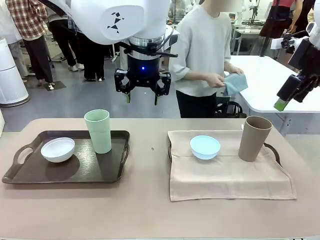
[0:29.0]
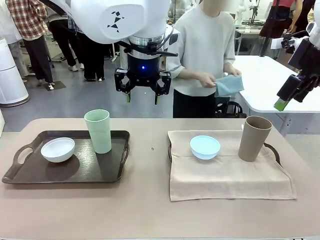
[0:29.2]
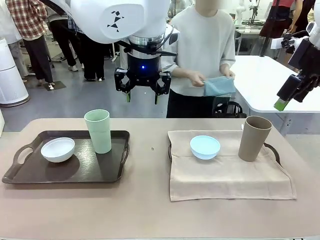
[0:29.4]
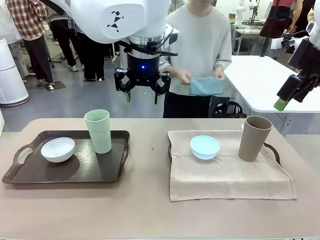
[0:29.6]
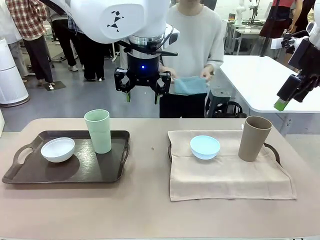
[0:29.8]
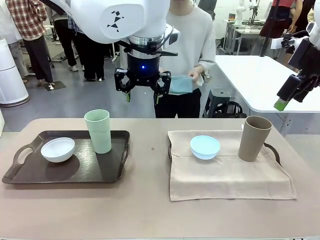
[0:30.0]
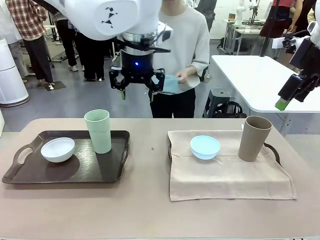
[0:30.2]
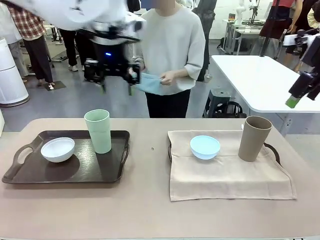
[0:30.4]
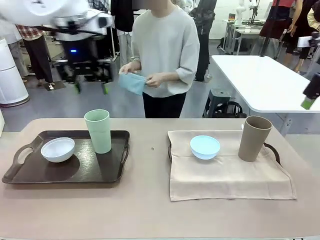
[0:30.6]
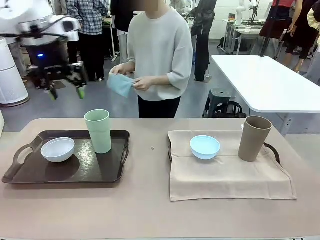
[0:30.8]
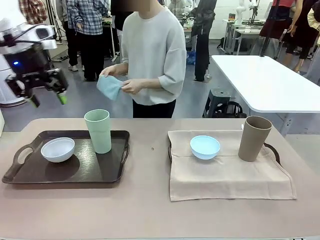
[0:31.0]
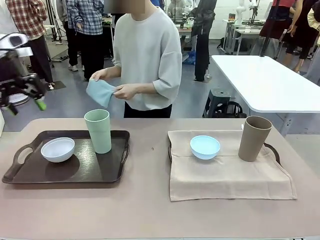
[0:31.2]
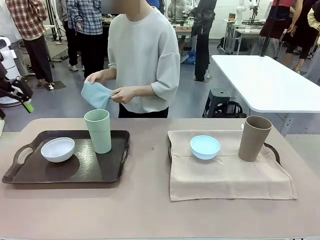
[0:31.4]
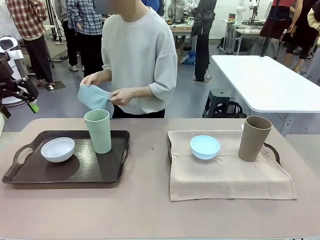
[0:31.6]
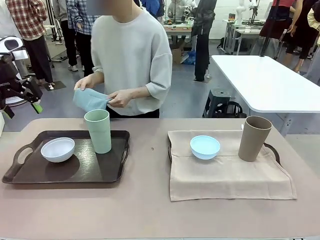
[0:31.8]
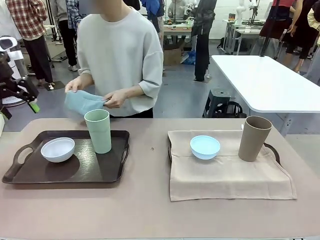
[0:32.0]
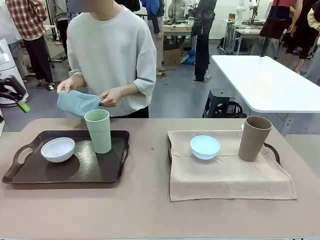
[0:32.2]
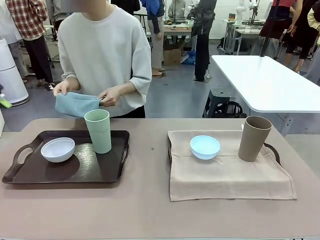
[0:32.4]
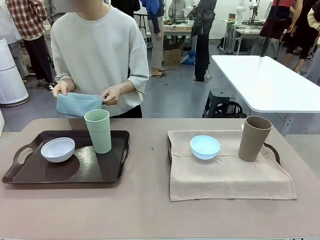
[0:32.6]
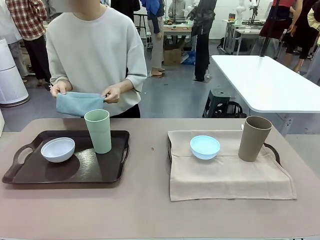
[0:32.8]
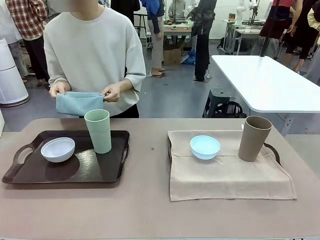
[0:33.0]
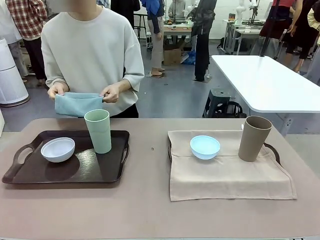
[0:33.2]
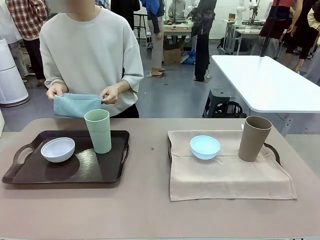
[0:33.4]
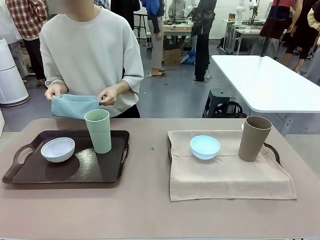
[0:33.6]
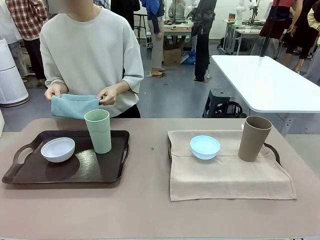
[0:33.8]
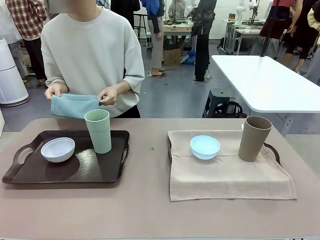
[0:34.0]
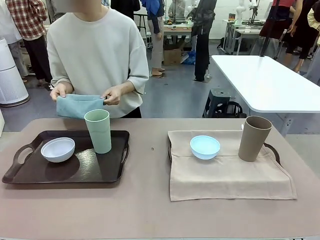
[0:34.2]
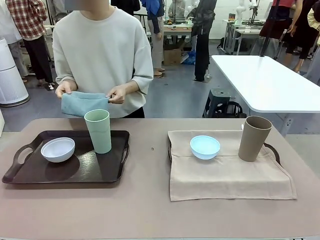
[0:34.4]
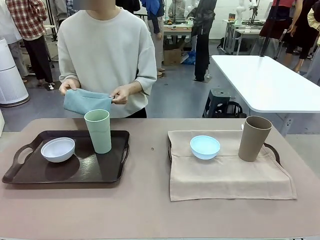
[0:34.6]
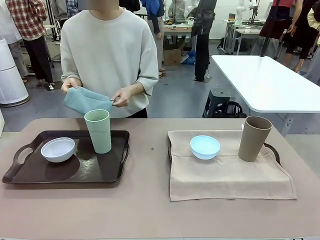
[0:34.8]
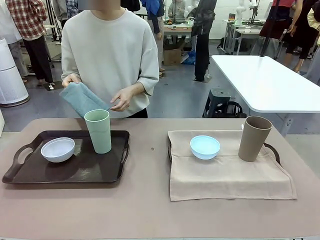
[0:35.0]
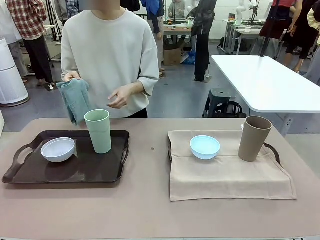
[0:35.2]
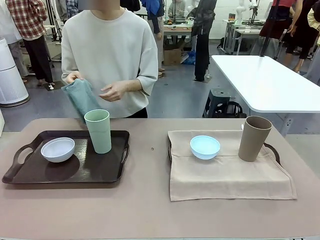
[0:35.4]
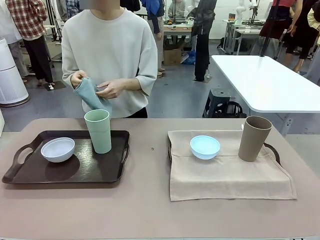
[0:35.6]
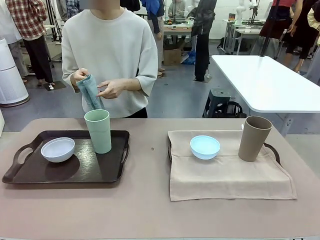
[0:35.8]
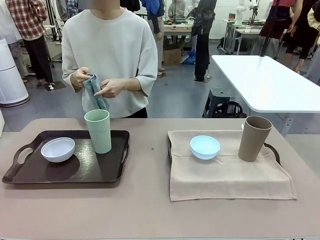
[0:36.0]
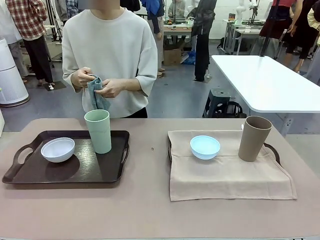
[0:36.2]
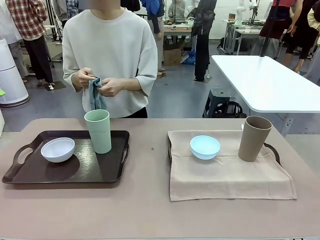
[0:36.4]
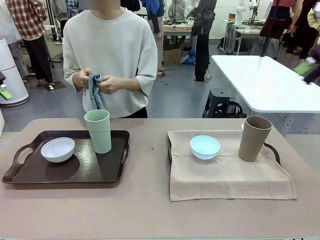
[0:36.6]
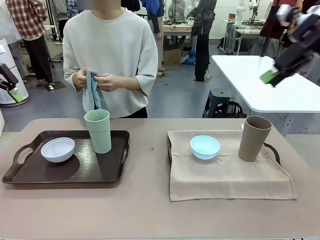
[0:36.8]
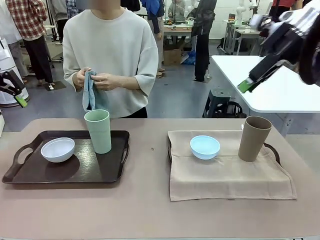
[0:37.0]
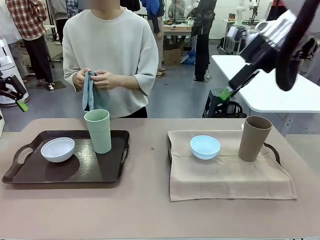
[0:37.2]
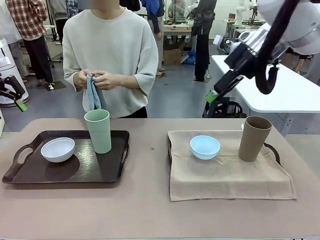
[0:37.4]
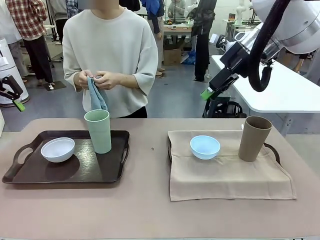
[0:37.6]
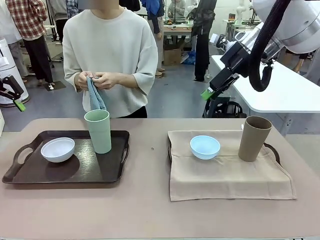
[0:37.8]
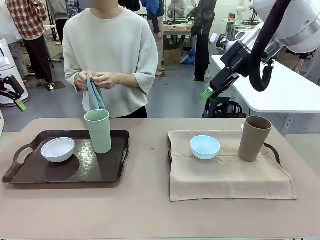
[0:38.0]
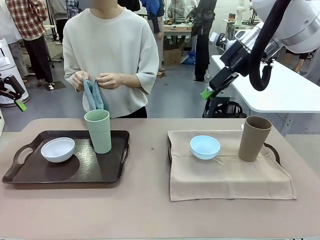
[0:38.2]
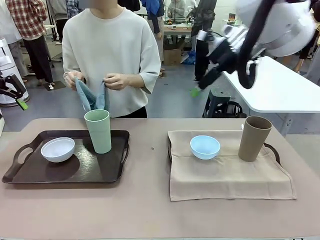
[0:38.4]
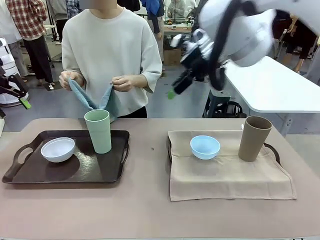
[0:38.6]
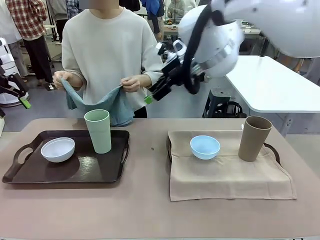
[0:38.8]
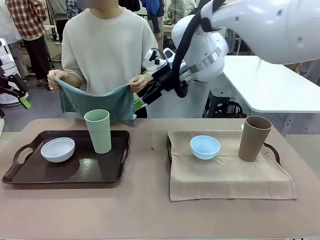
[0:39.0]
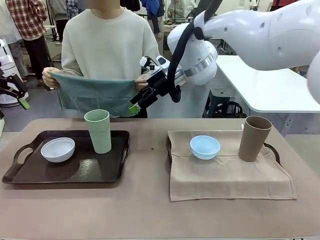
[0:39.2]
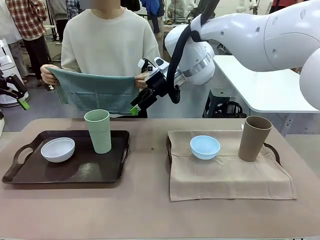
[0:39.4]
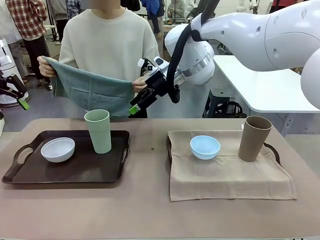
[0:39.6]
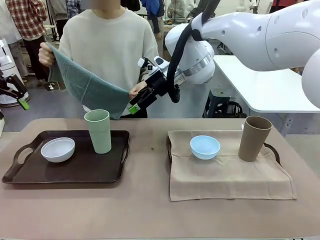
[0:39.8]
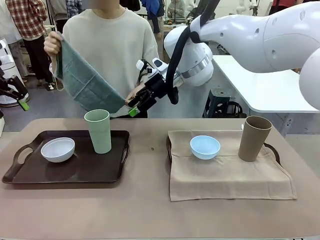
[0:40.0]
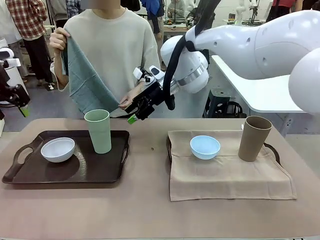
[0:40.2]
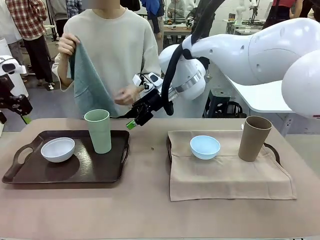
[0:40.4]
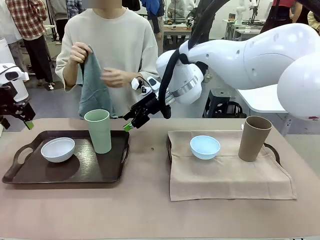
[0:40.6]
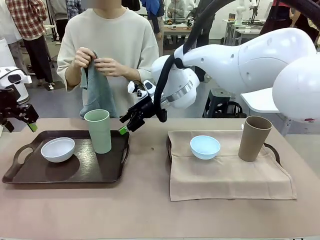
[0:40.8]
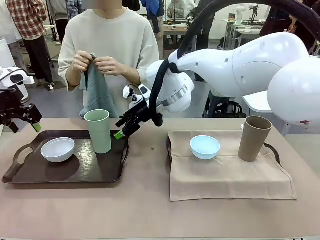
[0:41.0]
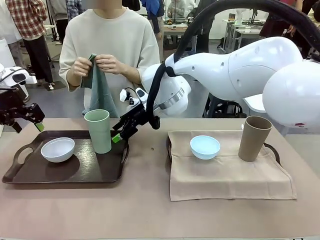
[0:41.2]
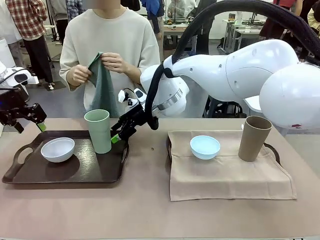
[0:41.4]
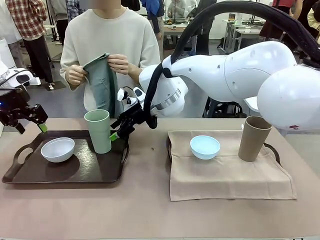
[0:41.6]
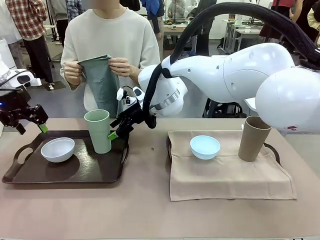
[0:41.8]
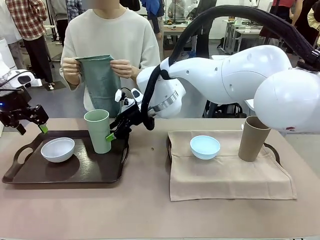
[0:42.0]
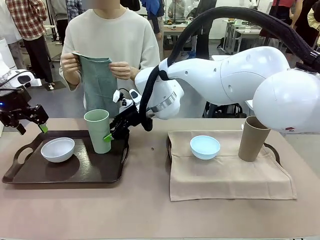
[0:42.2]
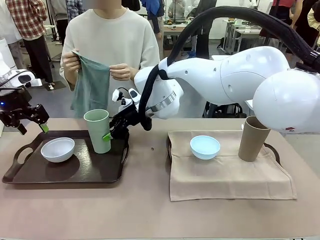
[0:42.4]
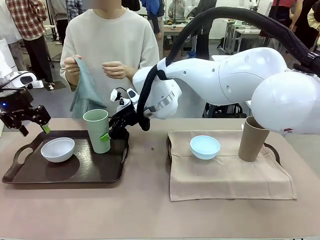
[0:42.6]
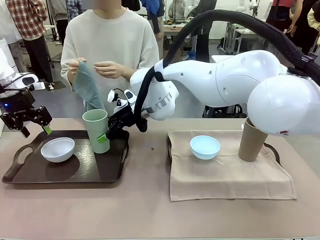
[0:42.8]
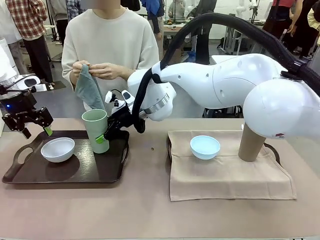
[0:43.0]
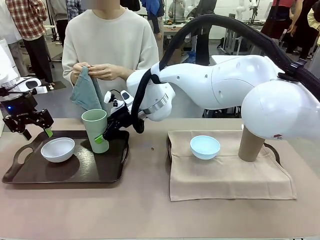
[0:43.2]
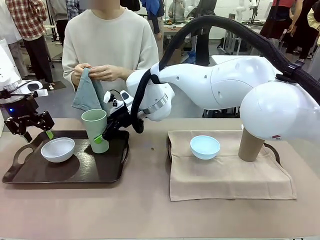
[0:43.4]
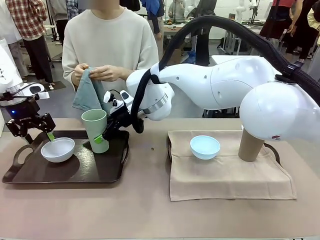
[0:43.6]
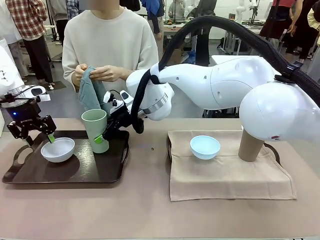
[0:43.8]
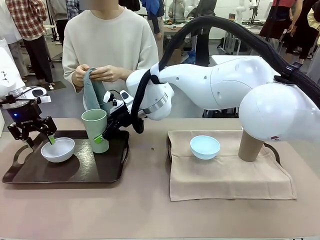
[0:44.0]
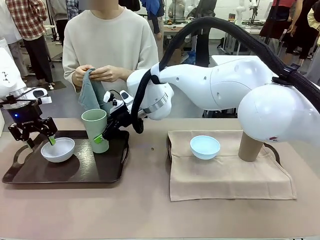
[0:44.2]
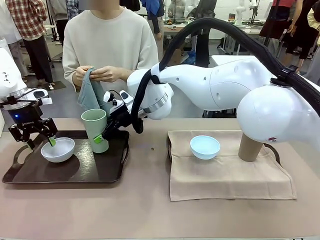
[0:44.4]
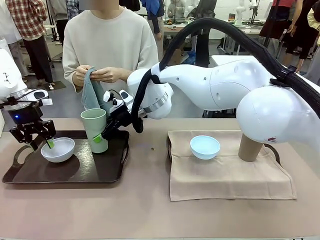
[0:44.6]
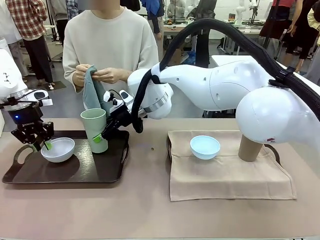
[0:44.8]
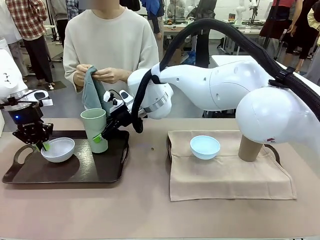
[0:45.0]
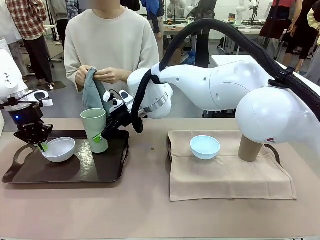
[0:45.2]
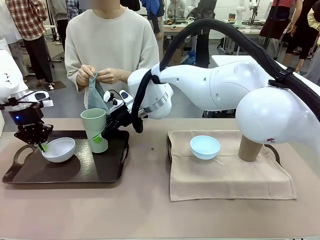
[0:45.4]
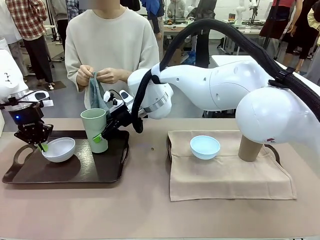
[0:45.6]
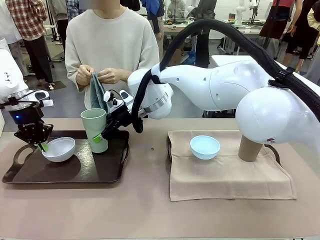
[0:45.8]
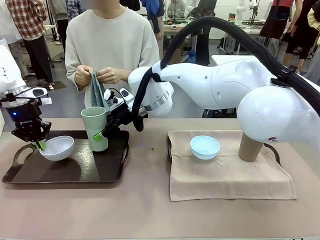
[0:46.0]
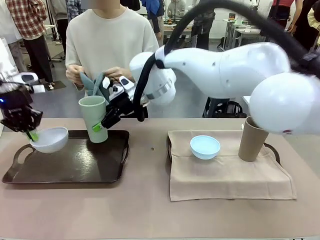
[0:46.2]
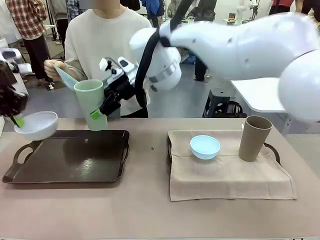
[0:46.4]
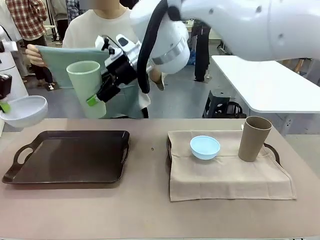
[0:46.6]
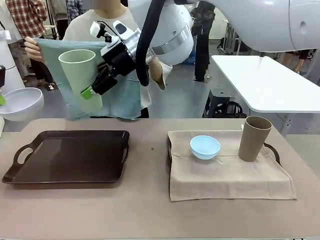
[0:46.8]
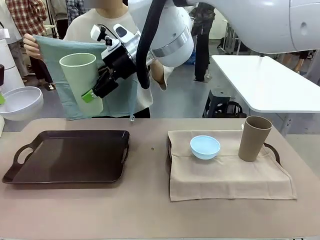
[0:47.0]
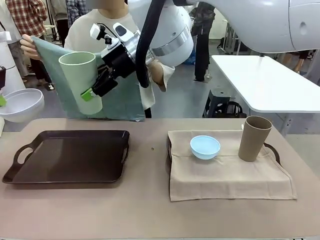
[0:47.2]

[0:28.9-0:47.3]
Robot: Pick up the Picnic Bowl and Reusable plastic cup from the Handle tray in front of the human's position and hold them in the air.
